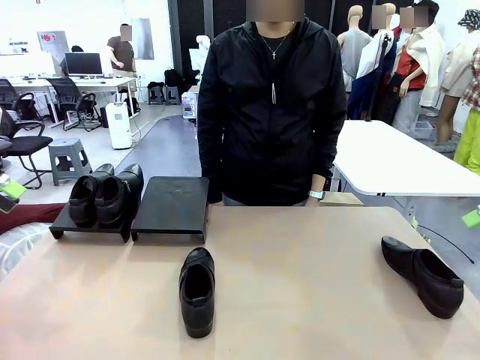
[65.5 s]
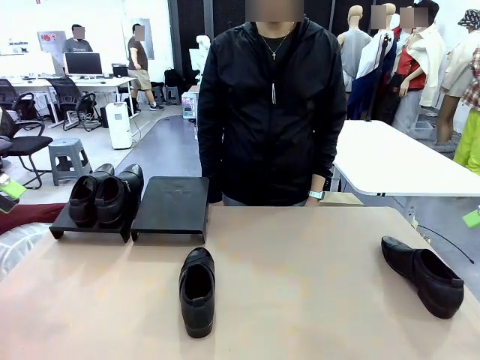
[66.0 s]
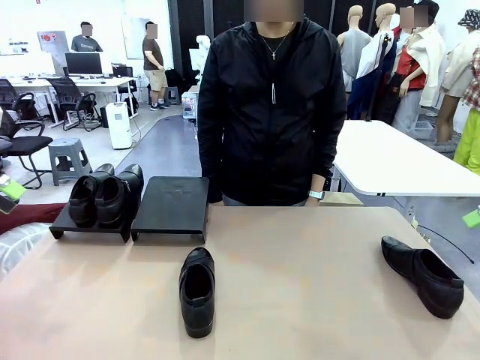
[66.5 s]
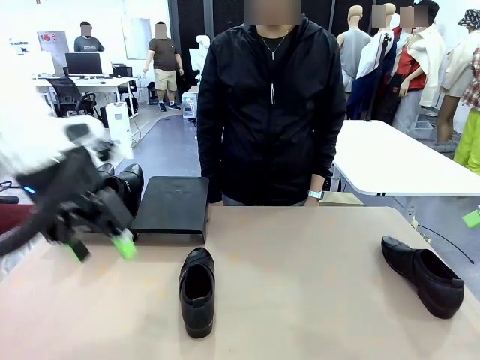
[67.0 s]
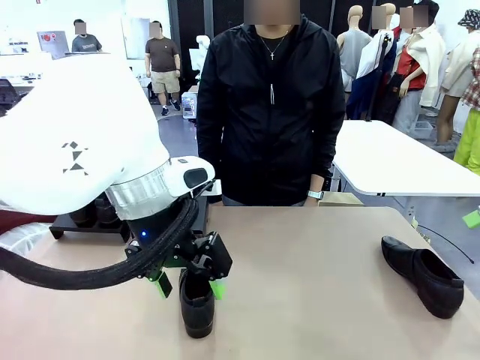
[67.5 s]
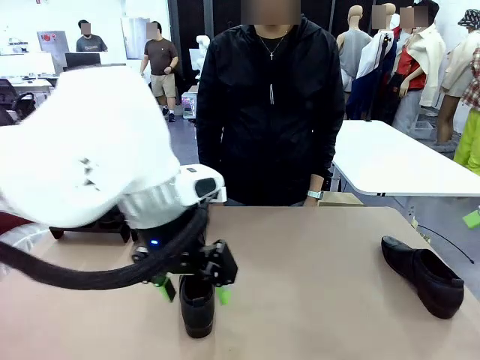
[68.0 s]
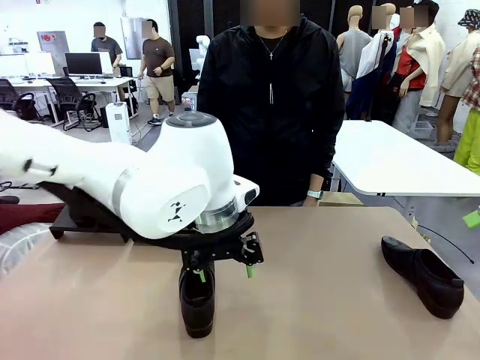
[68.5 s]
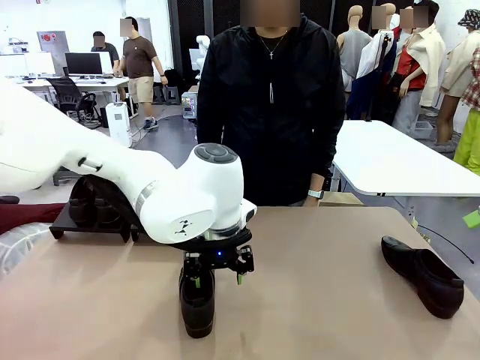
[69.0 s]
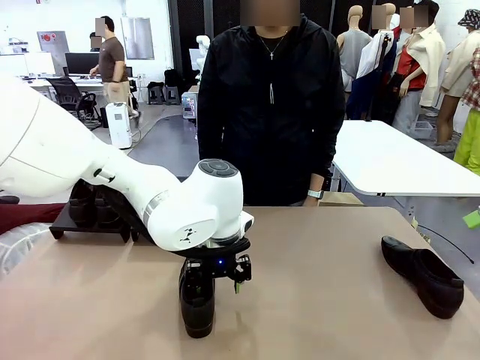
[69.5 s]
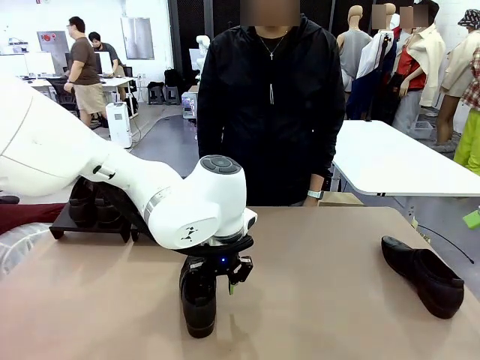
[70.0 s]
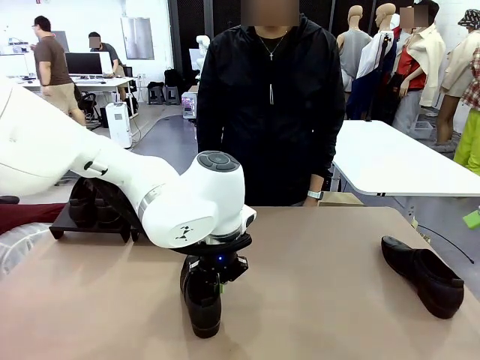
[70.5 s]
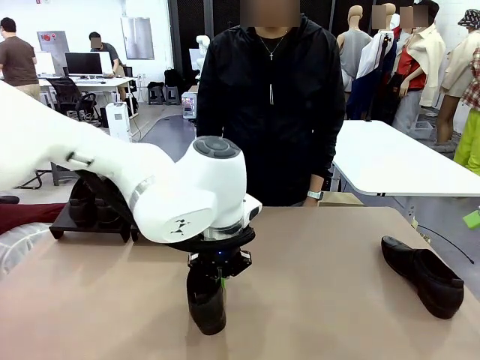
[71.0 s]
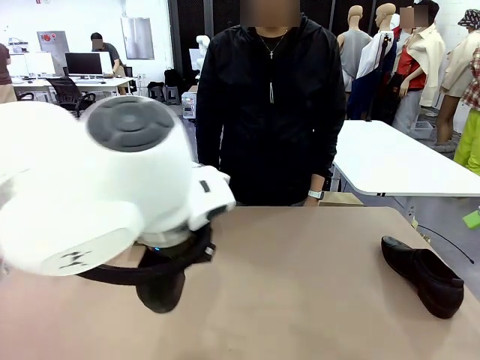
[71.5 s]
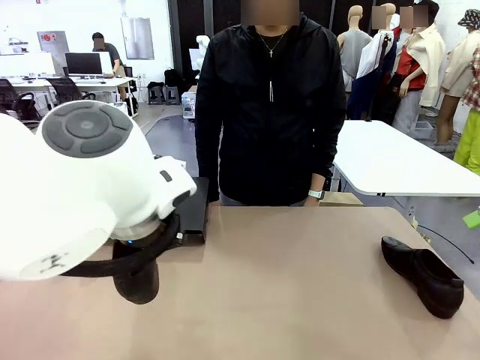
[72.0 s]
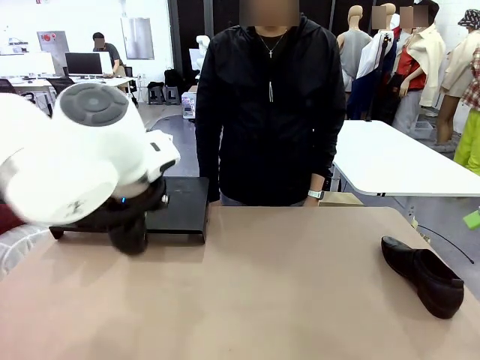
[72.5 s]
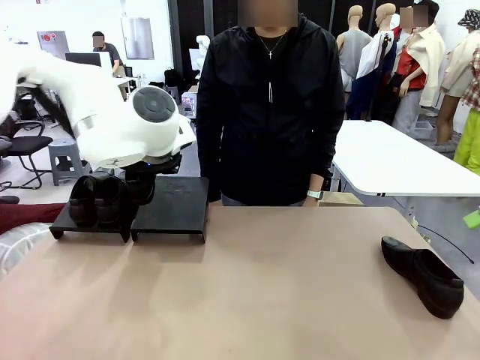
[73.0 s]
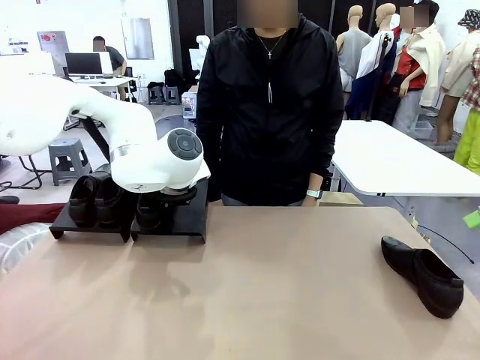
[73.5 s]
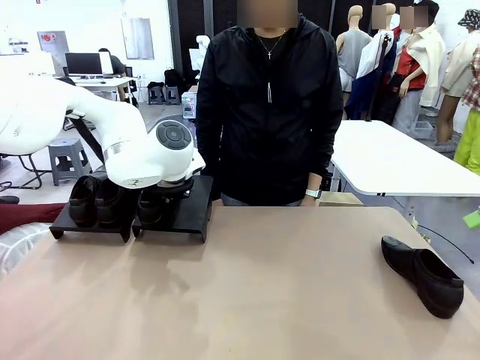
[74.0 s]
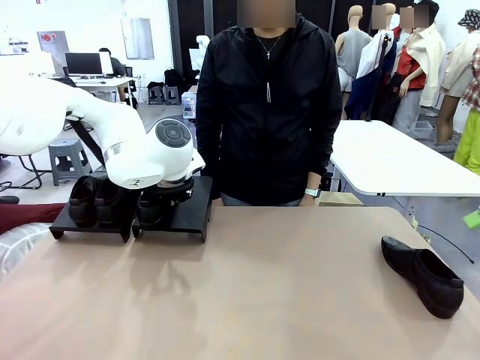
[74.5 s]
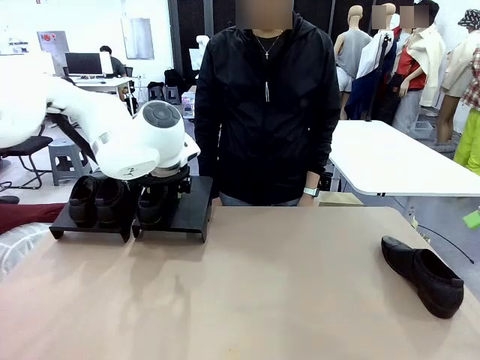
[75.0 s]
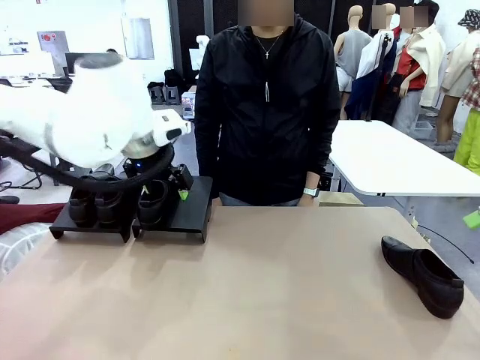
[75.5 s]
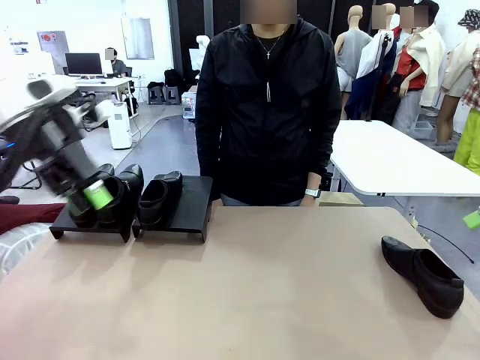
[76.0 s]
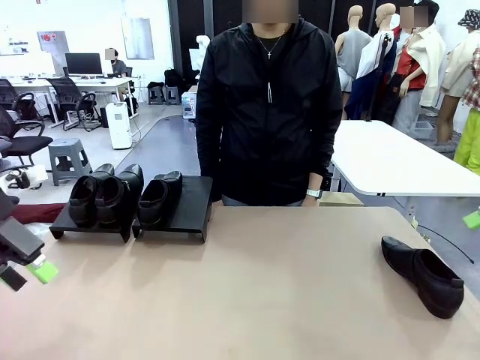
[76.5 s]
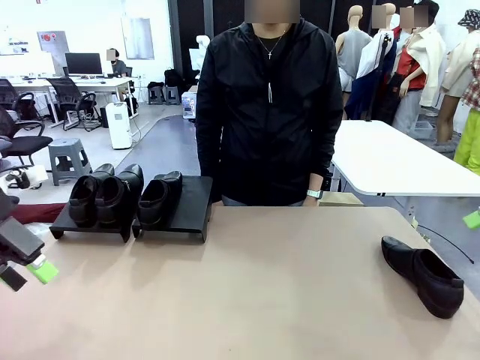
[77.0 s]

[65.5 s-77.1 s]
Task: Organize the shoes by placing them on the stand.
Robot: Place the Shoe from the middle of the table onto the Shoes Stand.

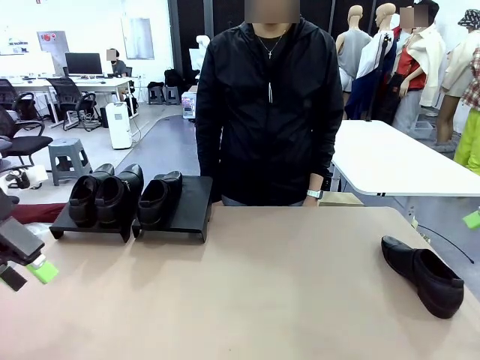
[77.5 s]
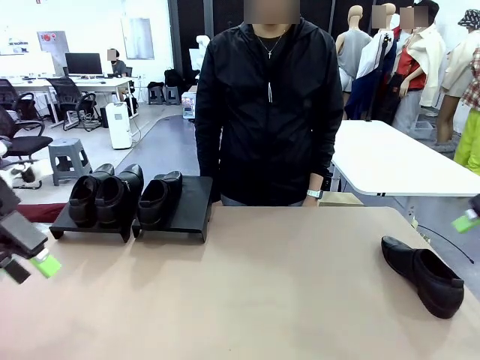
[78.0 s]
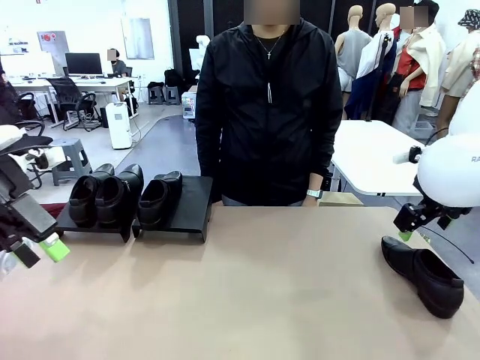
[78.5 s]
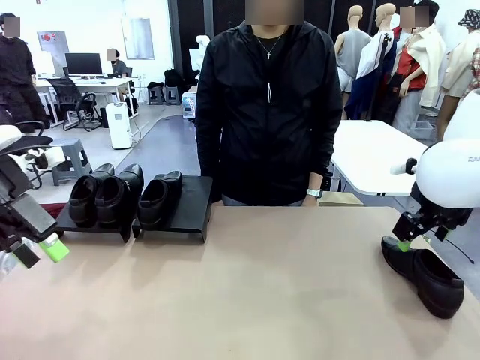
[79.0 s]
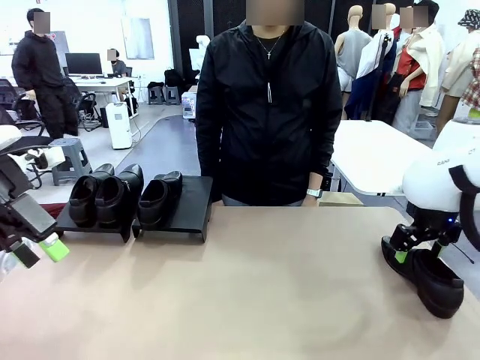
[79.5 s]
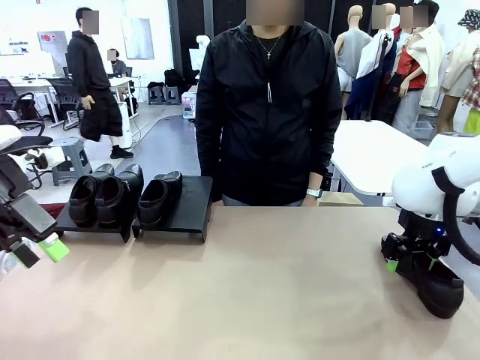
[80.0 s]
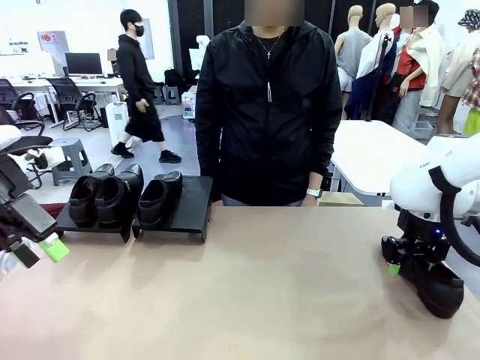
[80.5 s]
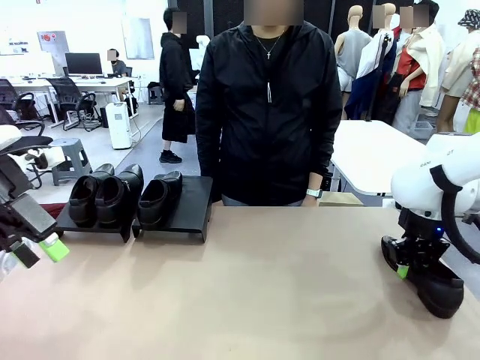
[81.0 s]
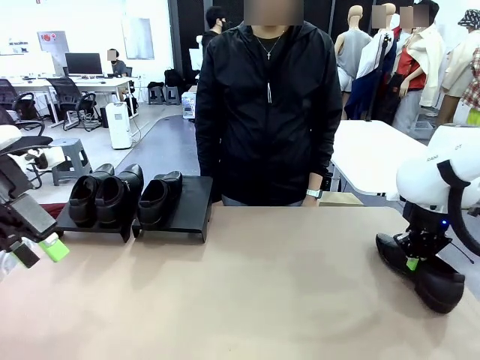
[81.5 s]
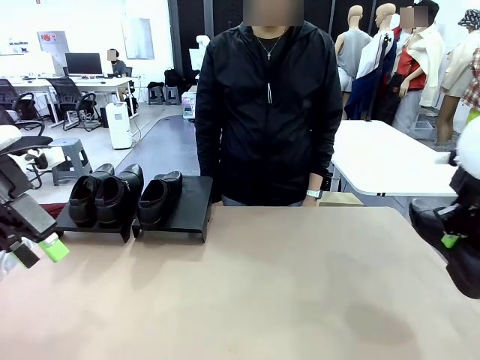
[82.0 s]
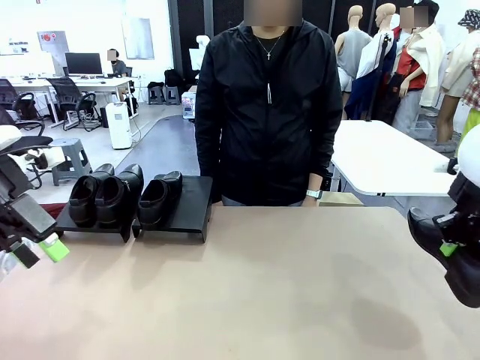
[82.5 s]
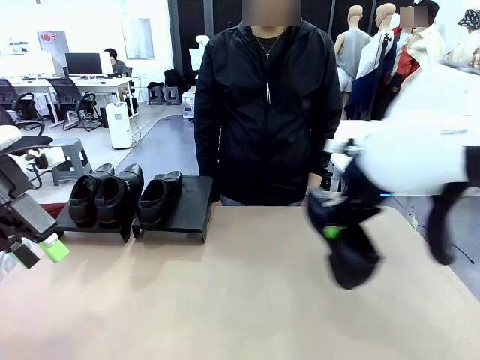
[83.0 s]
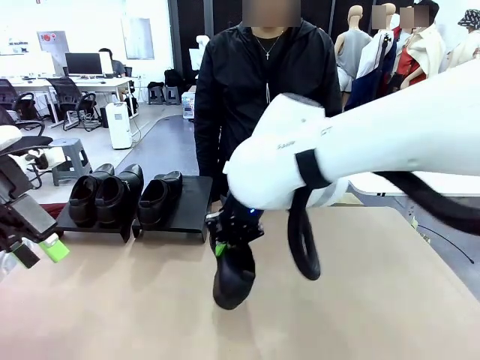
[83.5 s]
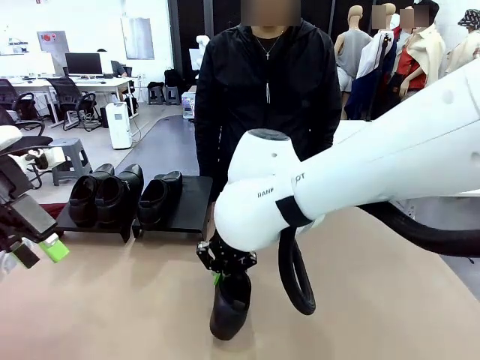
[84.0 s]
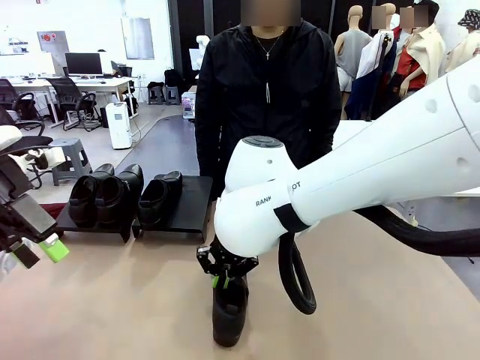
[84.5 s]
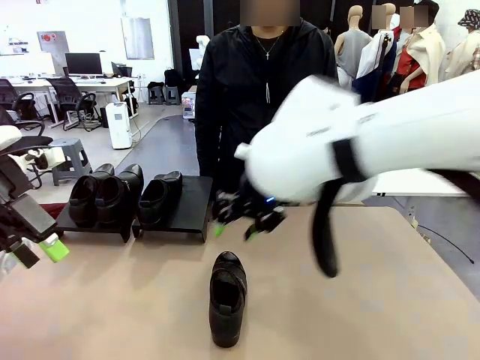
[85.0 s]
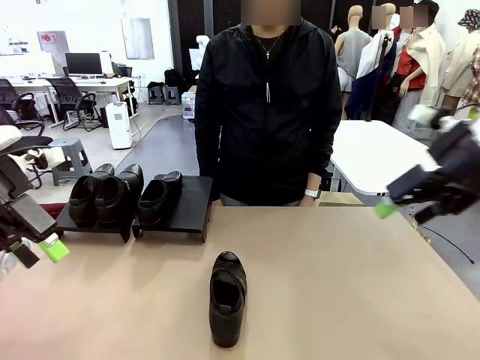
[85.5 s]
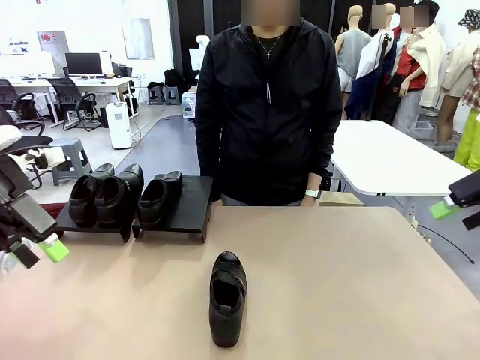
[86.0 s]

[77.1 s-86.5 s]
Robot: Pick up one Shoe and place it in the middle of the table.
